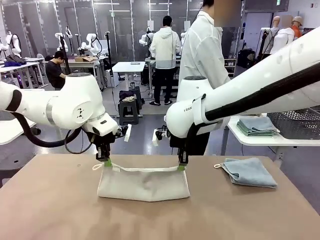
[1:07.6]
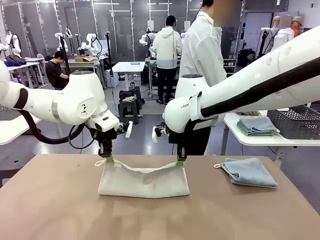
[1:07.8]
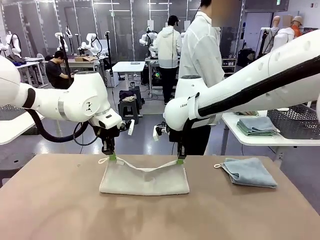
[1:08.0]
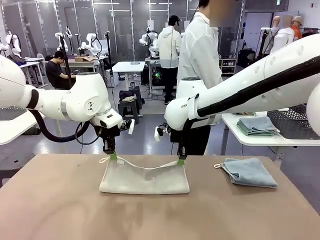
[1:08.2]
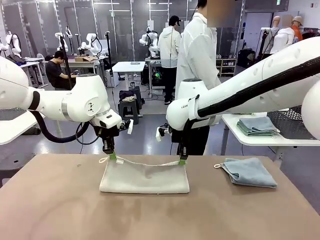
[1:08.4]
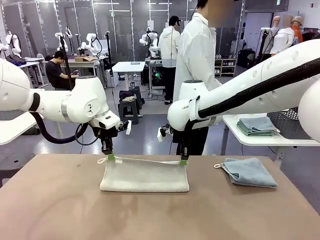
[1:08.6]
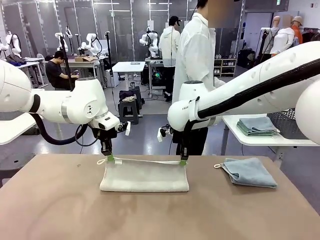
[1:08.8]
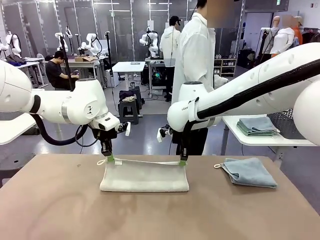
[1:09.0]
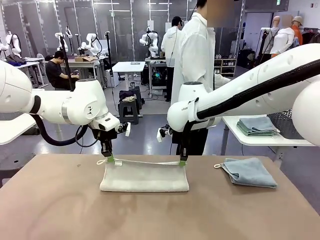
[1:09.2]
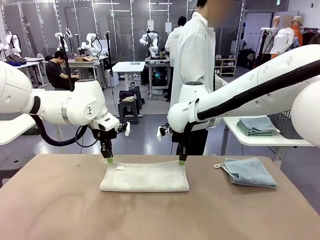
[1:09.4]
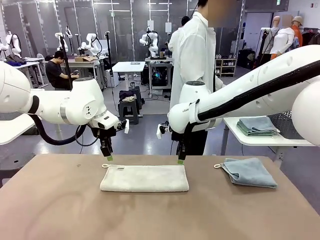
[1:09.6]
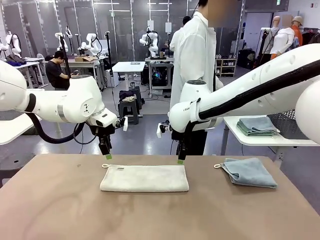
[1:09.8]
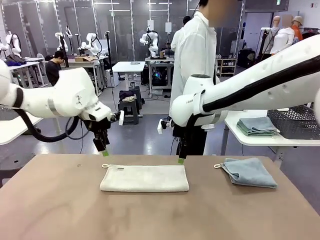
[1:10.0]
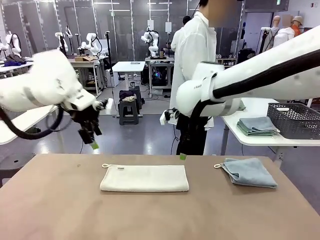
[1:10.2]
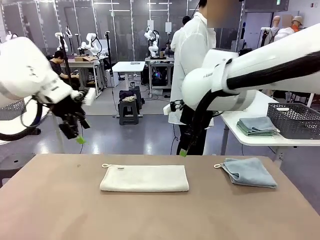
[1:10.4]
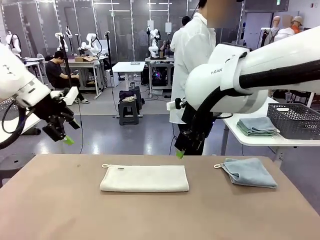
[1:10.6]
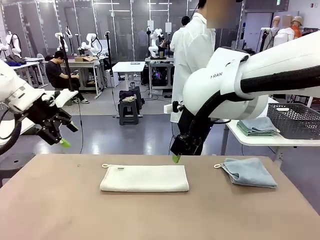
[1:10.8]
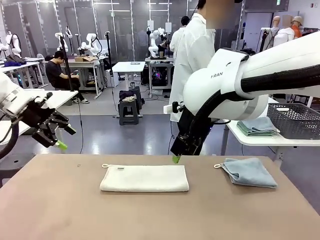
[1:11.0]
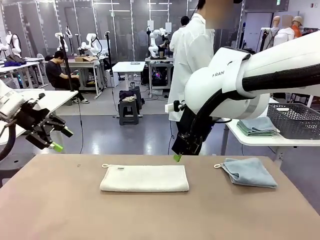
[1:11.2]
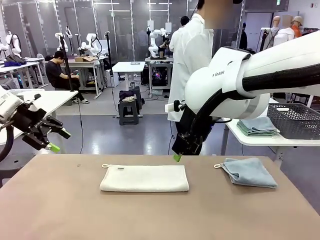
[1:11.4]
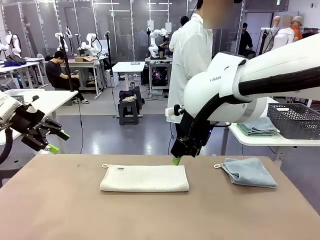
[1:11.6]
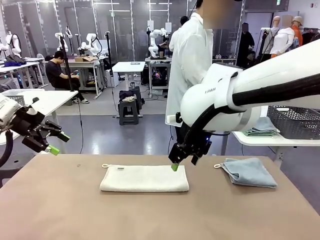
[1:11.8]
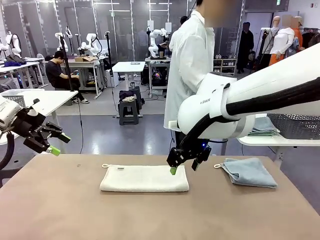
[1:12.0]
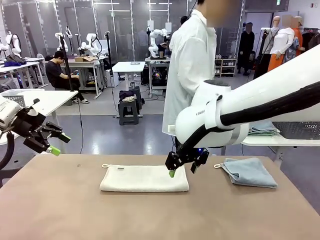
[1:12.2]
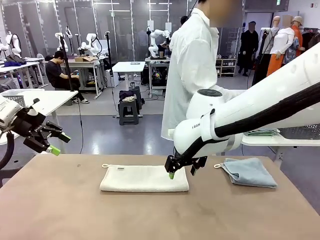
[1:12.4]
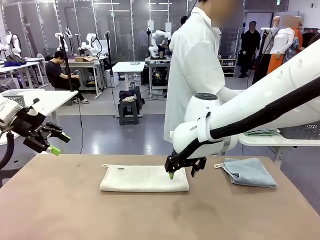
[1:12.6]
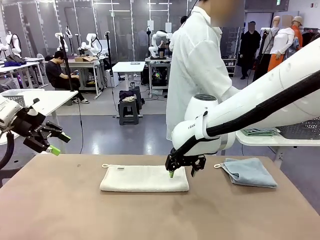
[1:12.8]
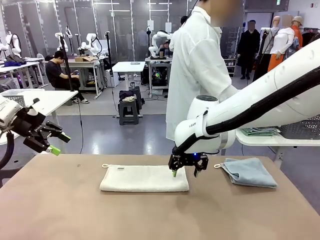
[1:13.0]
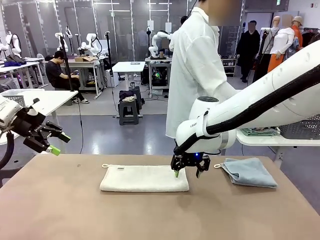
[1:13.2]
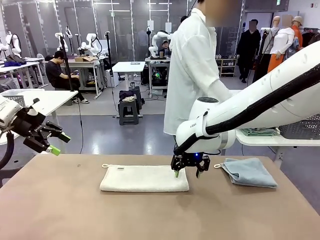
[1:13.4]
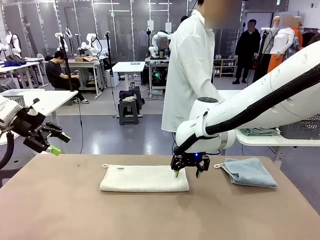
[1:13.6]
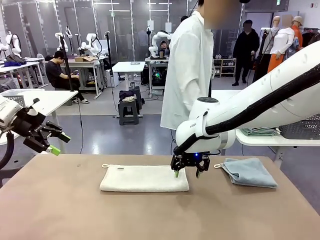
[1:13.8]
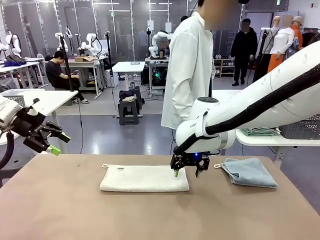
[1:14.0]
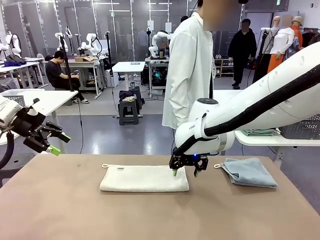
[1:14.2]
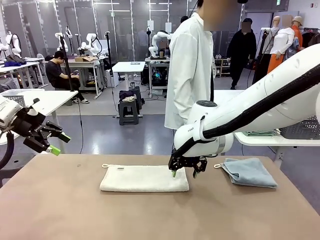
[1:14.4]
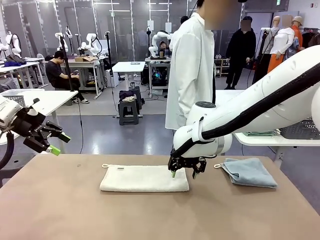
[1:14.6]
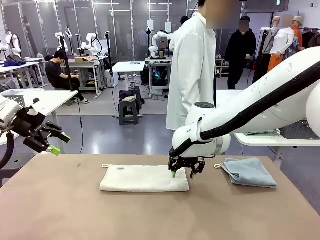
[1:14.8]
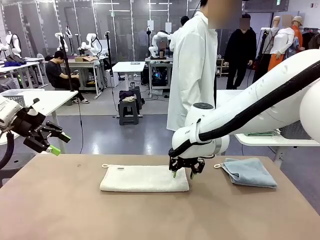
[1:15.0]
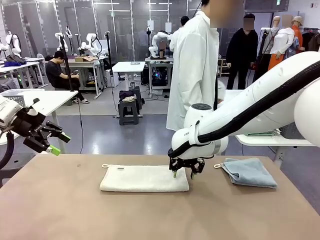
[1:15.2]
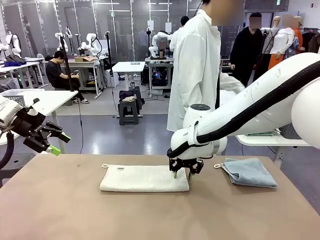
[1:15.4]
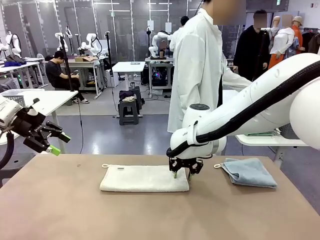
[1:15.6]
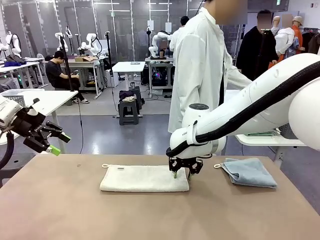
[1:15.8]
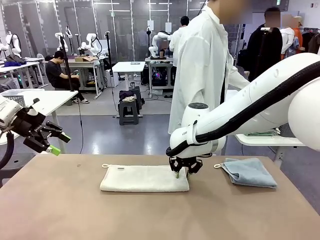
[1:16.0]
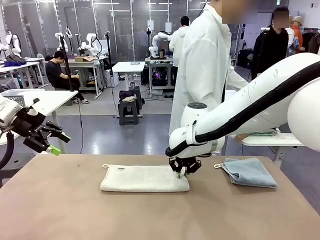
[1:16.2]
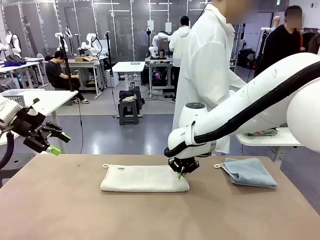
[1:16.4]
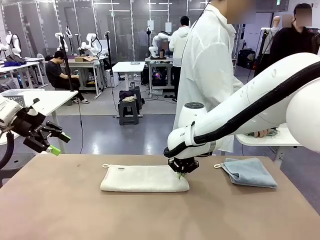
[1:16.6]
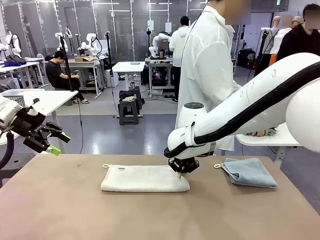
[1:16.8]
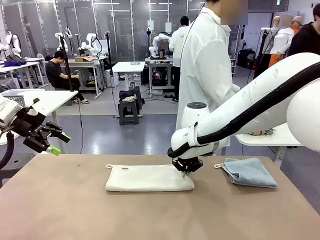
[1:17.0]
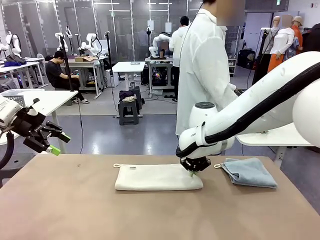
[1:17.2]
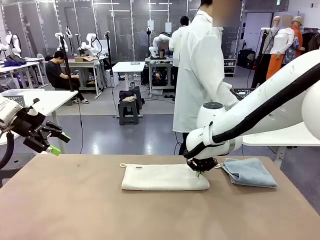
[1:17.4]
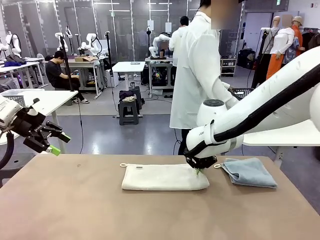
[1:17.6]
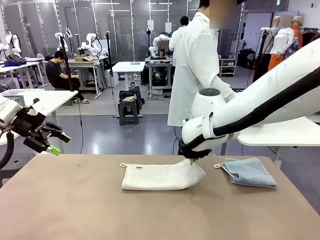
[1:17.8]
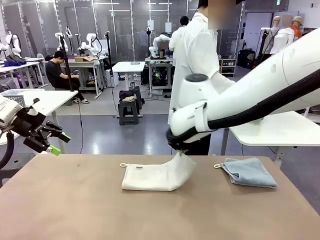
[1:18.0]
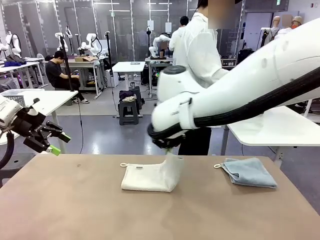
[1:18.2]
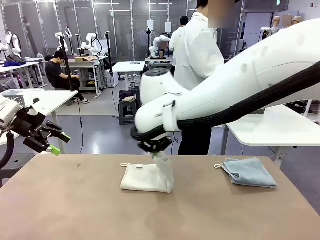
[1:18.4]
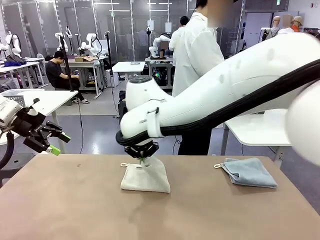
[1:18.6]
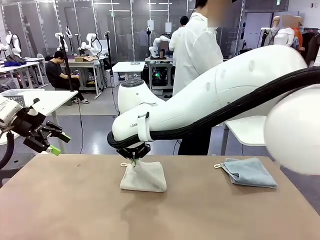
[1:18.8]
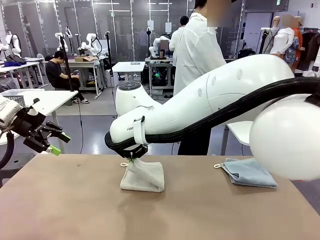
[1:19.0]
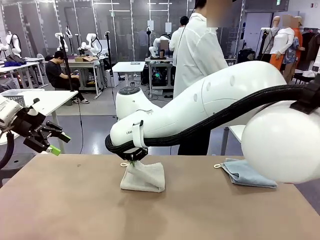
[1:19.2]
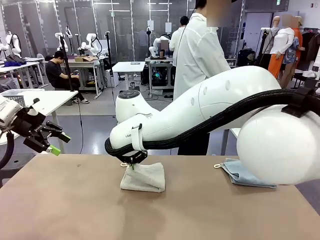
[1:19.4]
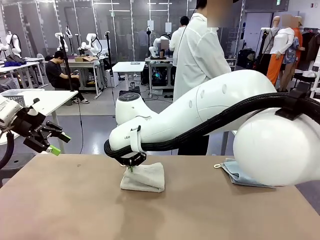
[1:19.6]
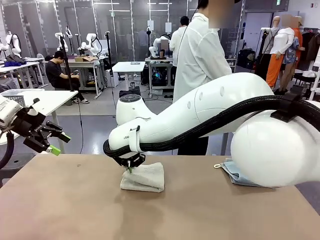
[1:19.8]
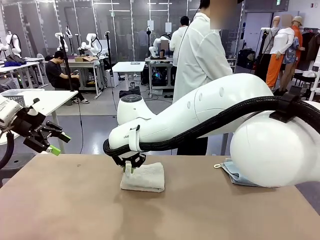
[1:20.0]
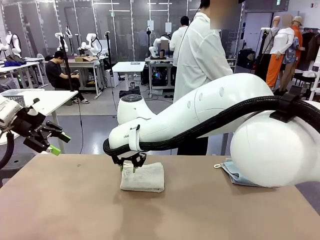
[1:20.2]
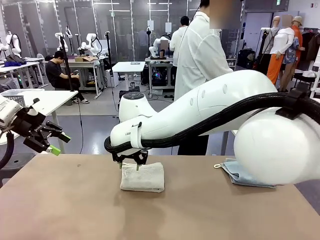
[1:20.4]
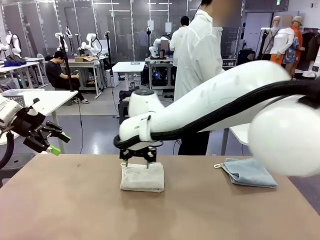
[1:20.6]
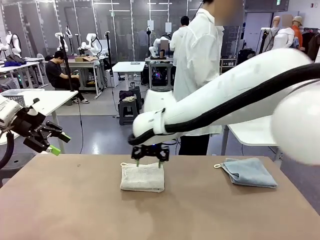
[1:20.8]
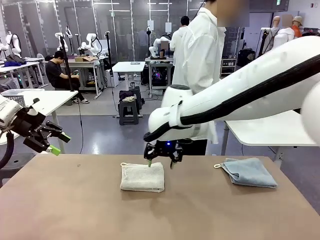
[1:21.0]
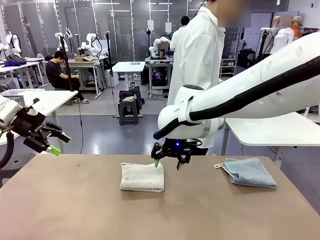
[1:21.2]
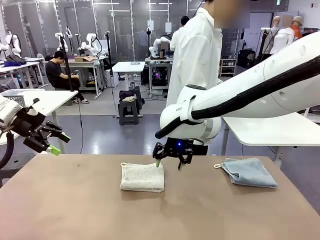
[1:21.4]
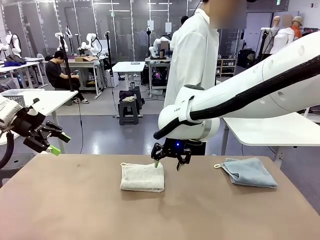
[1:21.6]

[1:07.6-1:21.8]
Task: Fold the towels and place them in the basket.
Robot: When a person lays out a Towel with hook on the table, fold it in half twice.
Person: Pick up the stack of towels from the right side of the human table, place it into the basket, and put the basket at the center of the table.
